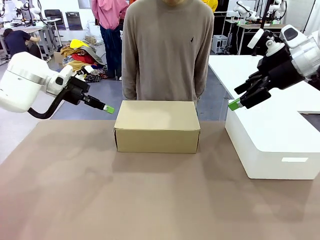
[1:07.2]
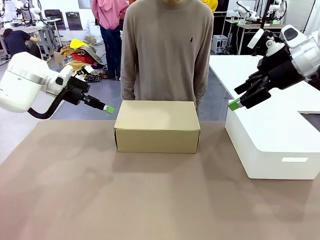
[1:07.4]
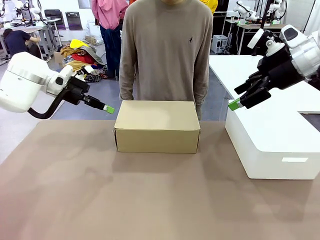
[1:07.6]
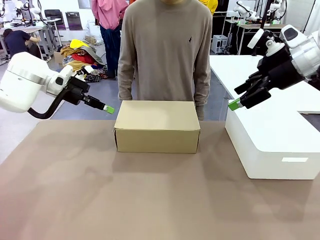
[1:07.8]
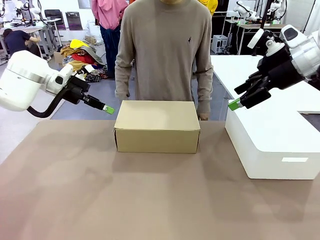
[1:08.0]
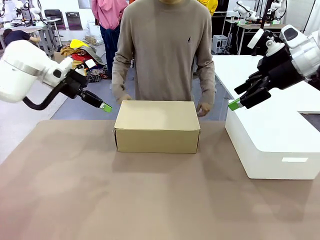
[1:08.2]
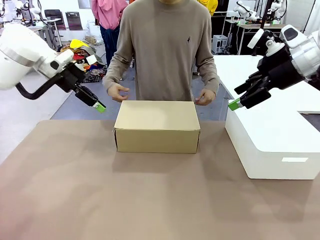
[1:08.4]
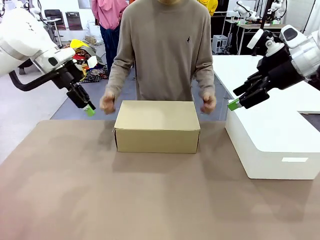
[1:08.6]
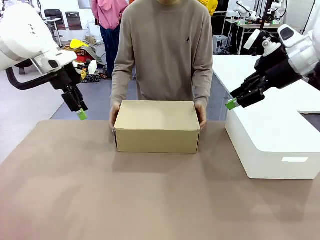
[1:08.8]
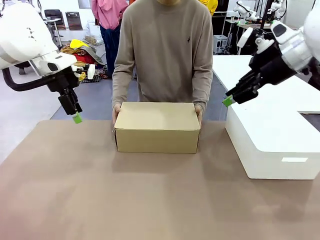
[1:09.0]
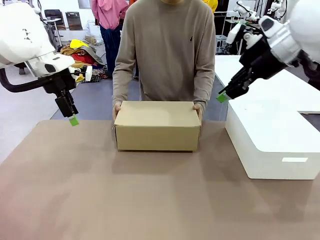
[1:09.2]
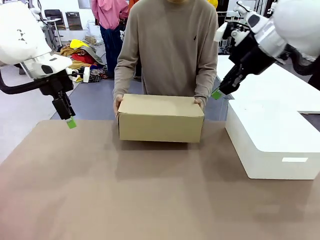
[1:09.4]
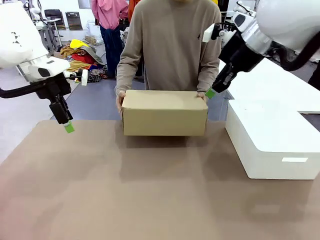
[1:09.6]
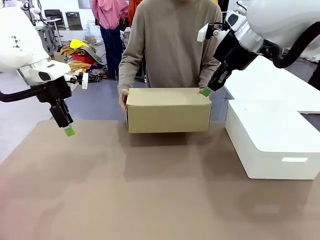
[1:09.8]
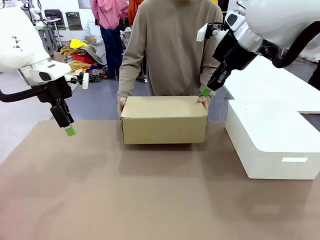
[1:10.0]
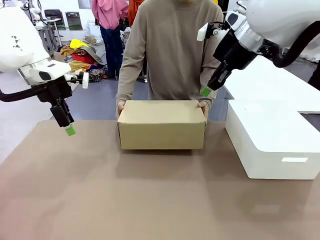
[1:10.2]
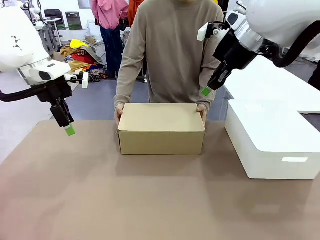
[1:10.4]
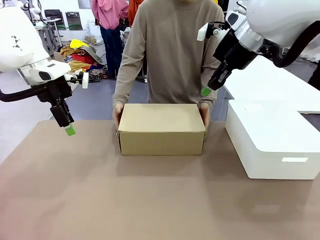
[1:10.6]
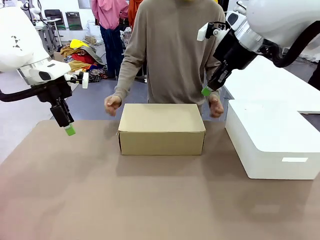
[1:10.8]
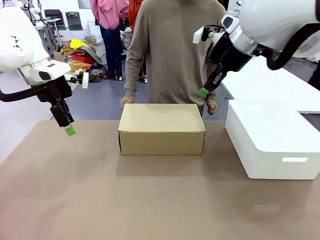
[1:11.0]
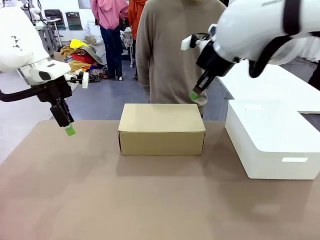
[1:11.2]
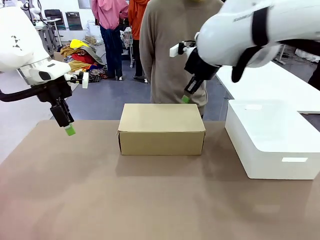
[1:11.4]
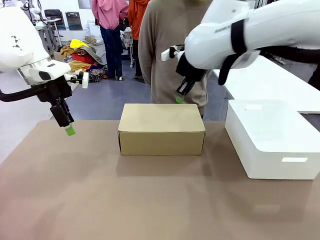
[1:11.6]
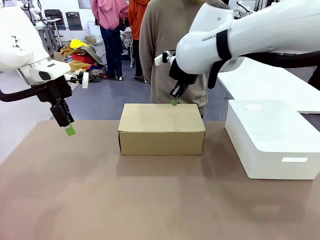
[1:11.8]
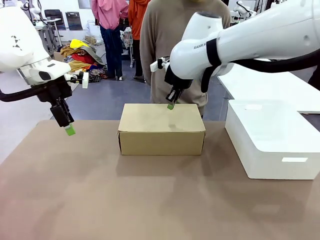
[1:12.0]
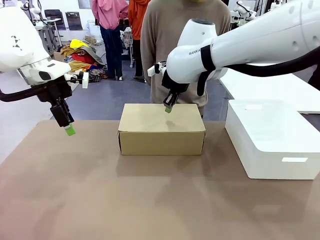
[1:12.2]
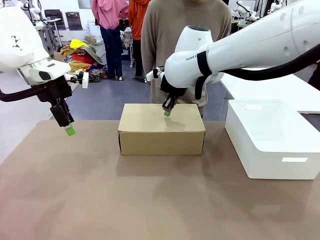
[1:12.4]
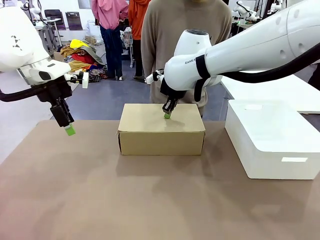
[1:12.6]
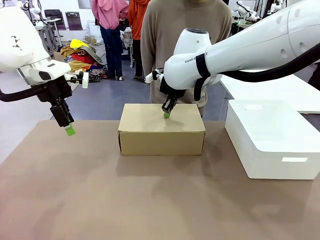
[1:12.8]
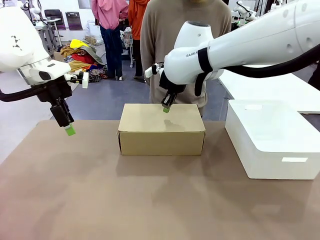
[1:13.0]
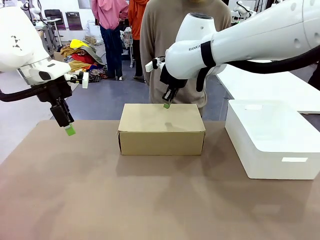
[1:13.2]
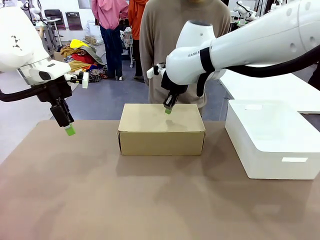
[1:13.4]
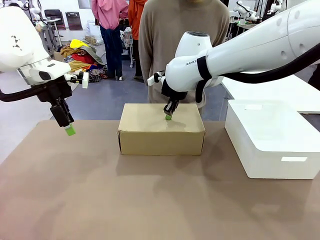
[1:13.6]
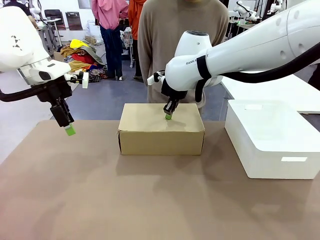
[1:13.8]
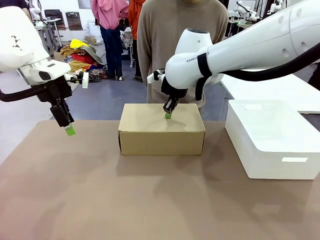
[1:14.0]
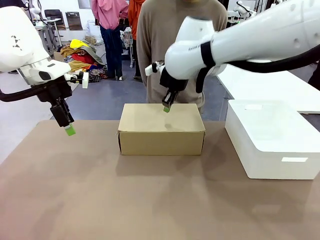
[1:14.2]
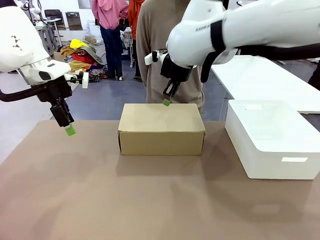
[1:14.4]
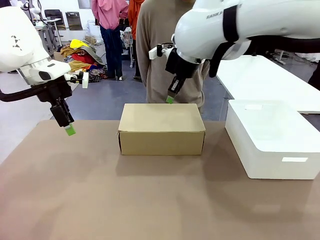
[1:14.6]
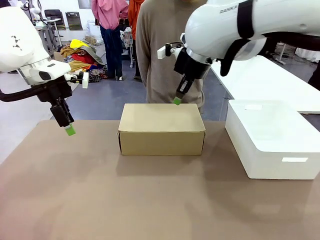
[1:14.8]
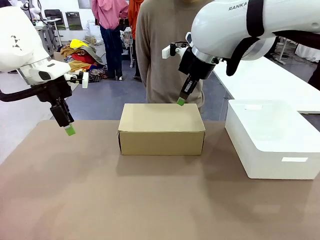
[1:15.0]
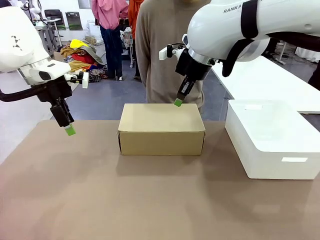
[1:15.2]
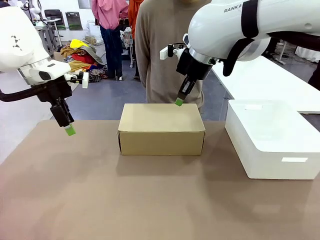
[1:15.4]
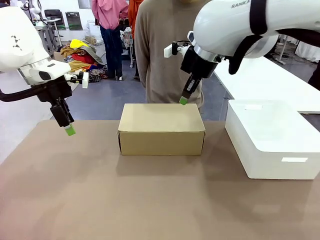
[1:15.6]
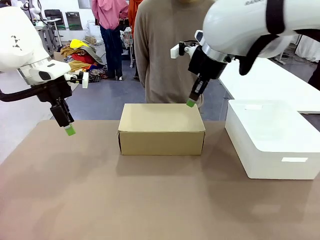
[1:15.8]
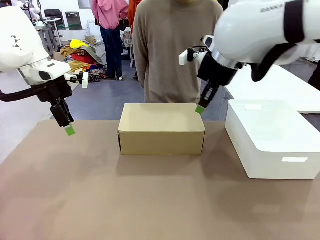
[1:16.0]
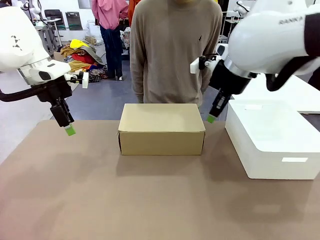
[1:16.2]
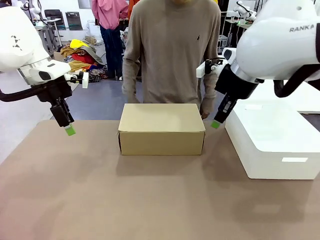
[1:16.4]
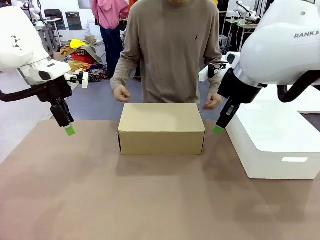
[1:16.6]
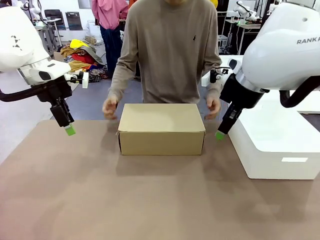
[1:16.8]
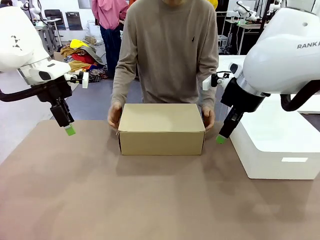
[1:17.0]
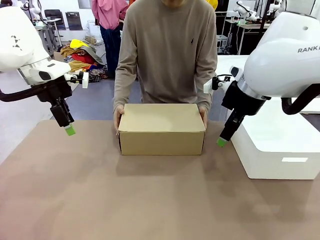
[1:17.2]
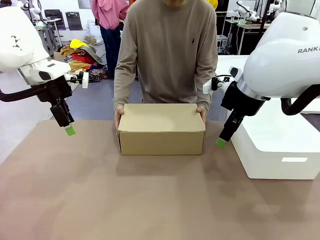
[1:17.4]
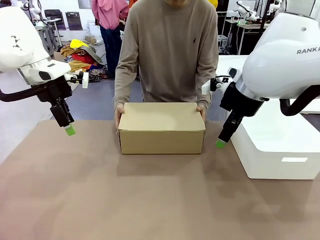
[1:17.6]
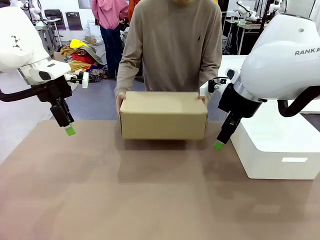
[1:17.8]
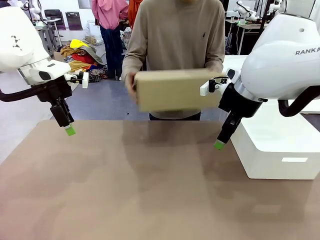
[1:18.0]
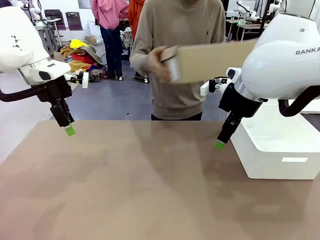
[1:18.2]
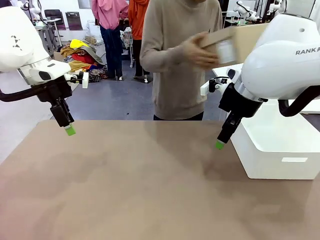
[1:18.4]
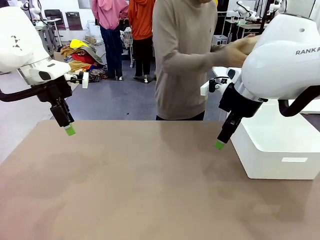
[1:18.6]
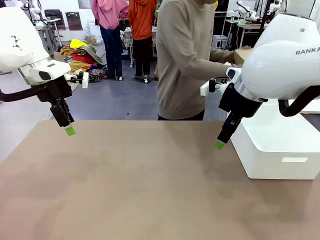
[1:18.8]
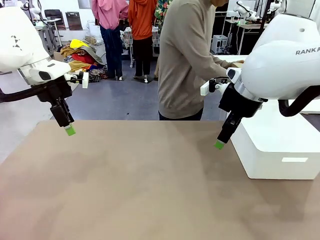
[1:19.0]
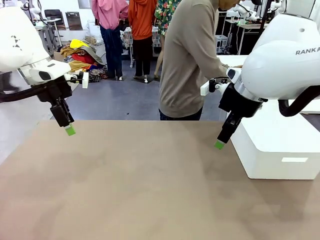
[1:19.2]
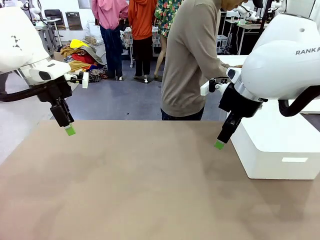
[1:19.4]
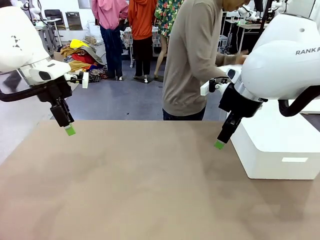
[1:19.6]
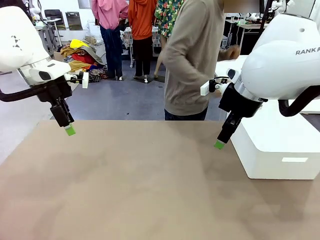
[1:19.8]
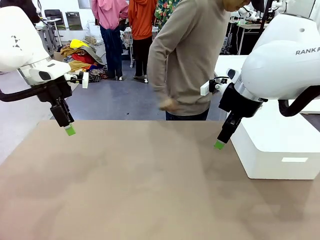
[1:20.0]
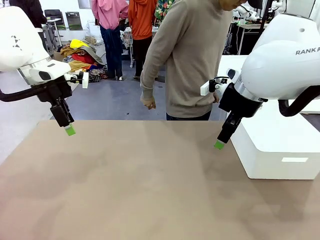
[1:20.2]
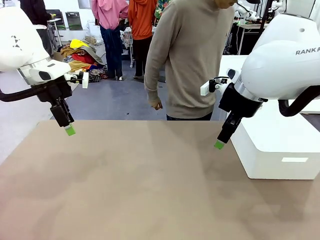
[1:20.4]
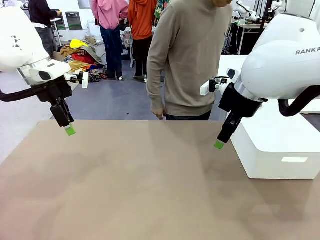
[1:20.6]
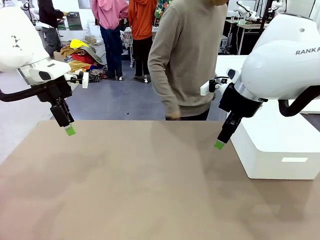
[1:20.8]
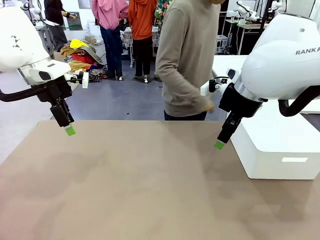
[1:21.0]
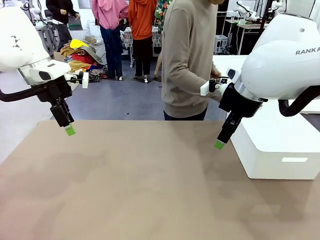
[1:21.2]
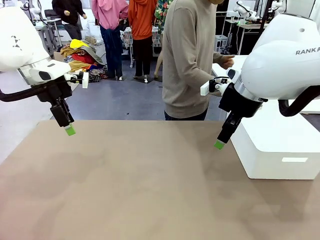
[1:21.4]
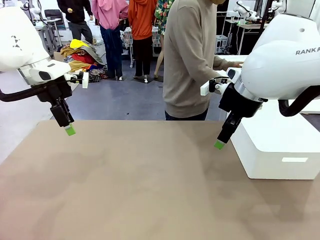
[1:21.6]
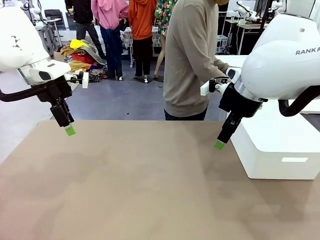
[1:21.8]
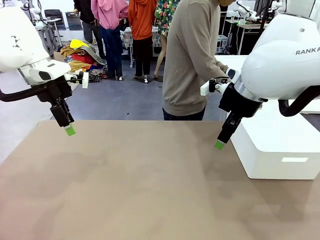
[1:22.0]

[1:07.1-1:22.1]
Task: Pack the shoes into the box.
Robot: Press down on the lid of the Shoes Box.
Person: Place the closed Shoes Box to the right side of the human table.

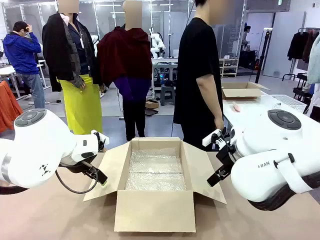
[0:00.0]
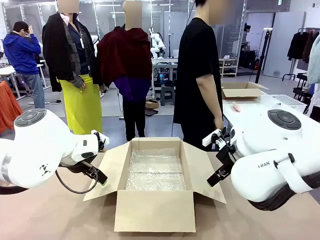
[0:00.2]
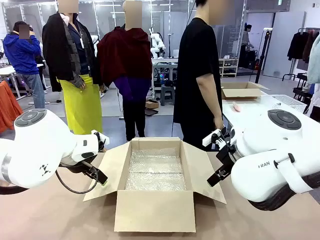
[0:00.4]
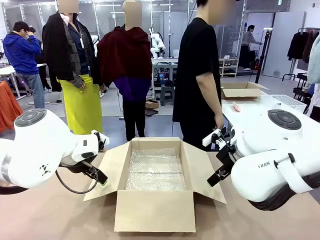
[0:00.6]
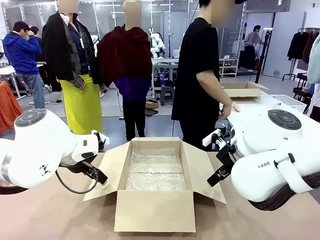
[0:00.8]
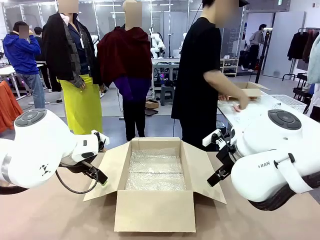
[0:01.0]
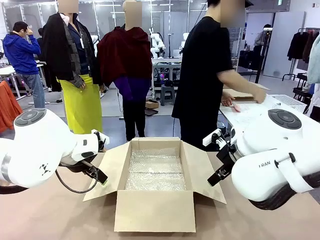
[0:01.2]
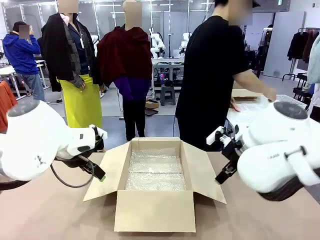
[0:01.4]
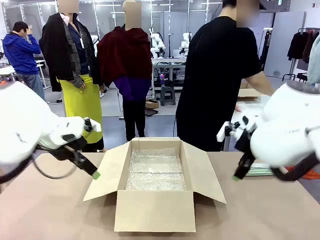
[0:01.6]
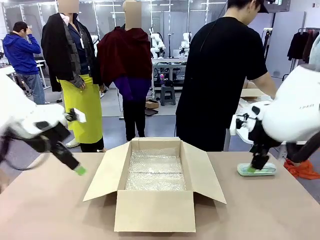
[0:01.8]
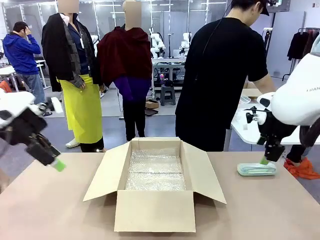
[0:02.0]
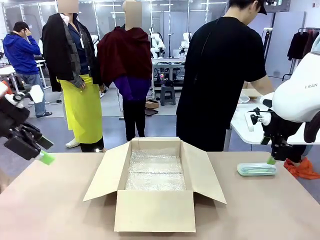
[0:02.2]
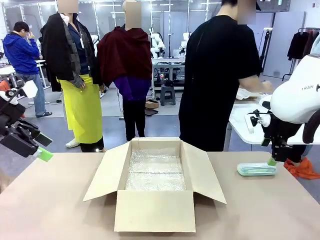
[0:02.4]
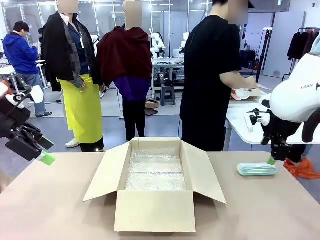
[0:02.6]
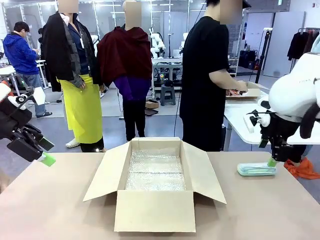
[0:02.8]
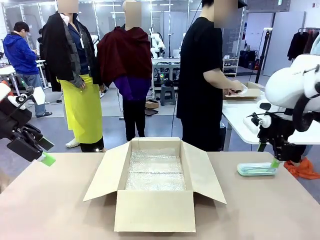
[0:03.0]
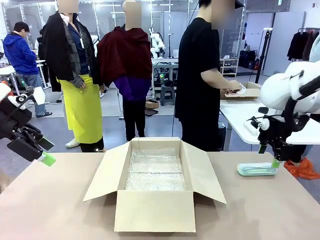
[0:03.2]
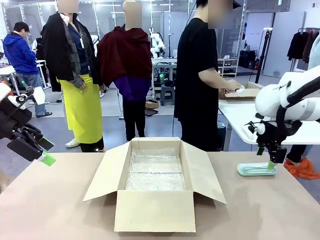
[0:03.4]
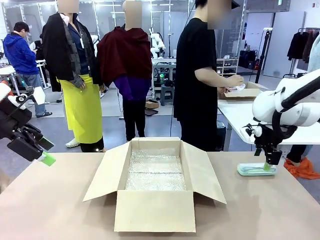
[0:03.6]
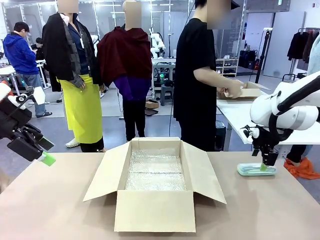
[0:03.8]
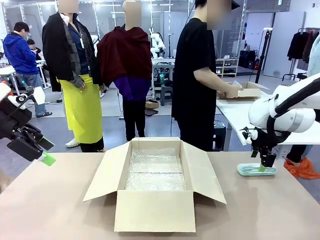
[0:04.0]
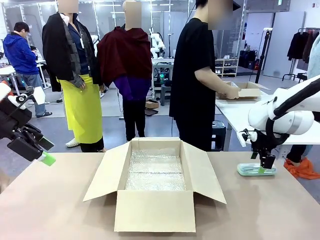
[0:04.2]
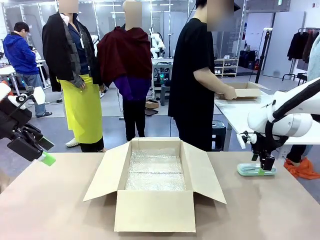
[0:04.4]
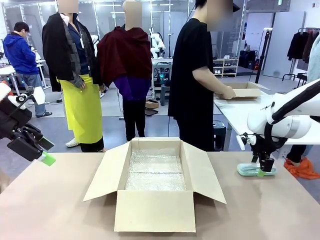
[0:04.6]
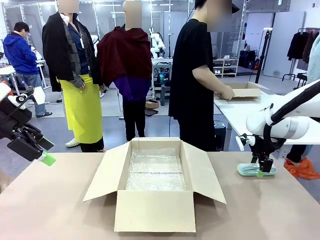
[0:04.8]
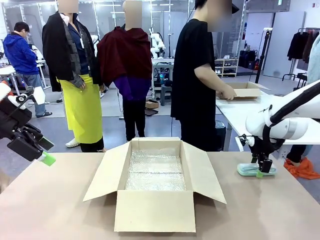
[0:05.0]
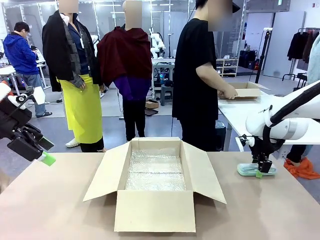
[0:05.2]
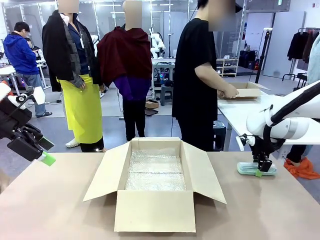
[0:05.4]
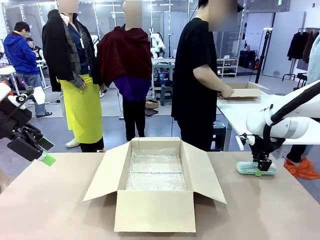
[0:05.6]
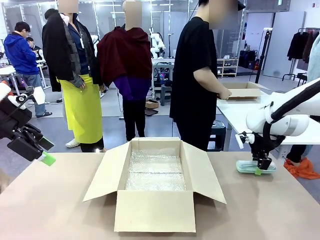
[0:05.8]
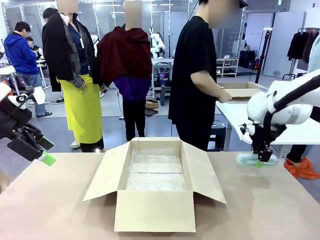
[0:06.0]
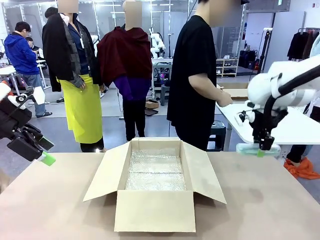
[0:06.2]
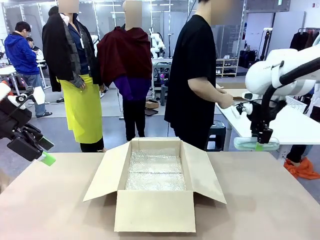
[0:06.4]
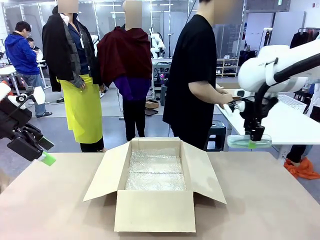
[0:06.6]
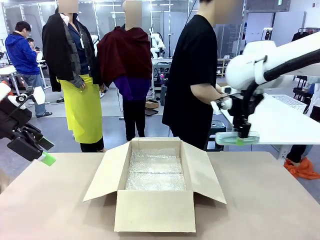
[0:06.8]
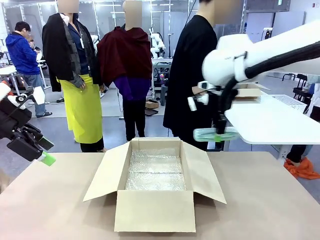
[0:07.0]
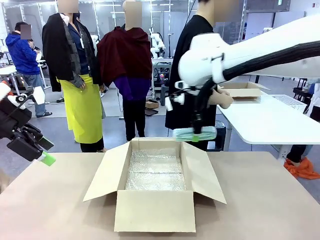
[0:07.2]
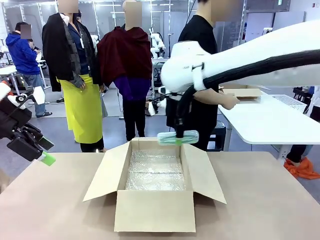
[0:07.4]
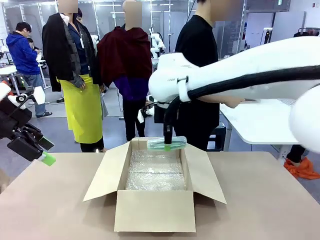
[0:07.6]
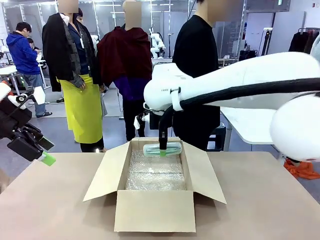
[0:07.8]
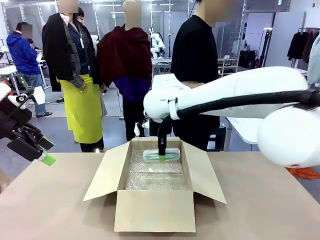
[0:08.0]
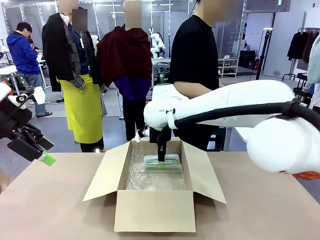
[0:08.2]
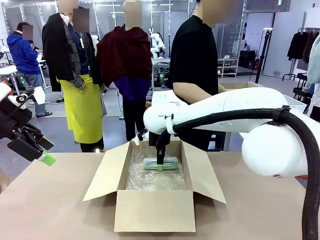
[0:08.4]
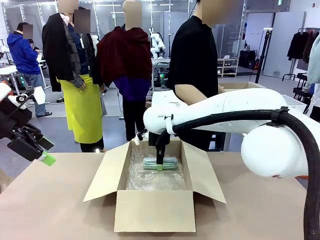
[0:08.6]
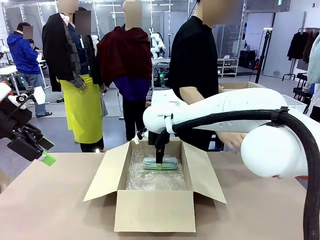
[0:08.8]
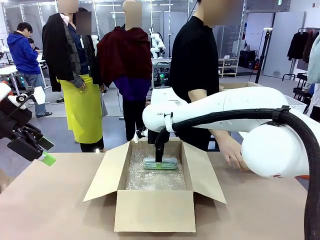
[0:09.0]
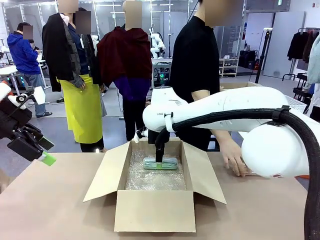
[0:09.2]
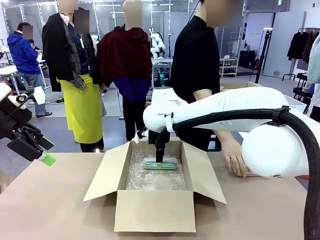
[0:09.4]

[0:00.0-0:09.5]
Task: Pack the glasses set securely to prepare it for shipping.
Robot: Place the Glasses case inside the Package Box.
Person: Place the Glasses inside the Glasses case. Position the Glasses case on the left side of the robot's table.
